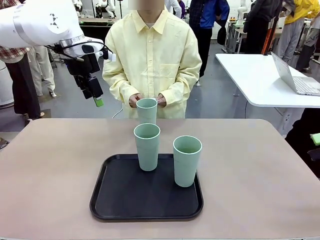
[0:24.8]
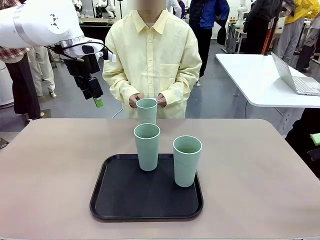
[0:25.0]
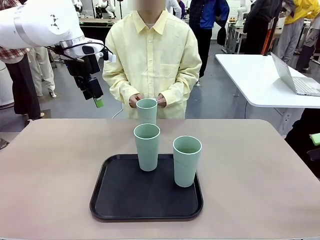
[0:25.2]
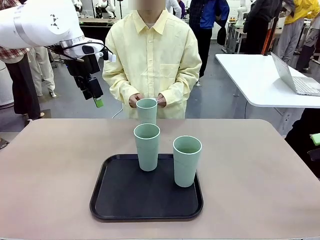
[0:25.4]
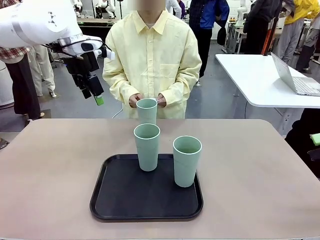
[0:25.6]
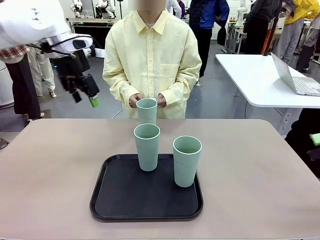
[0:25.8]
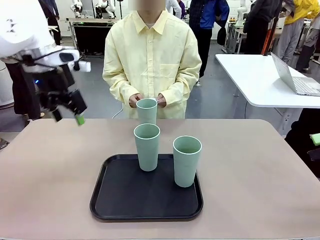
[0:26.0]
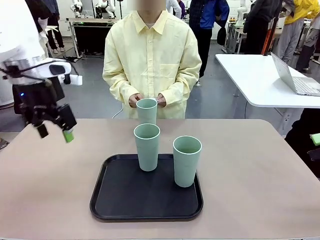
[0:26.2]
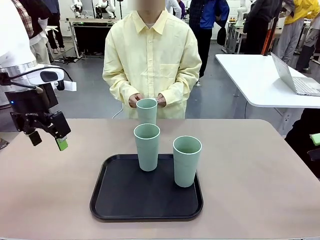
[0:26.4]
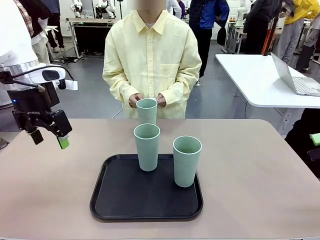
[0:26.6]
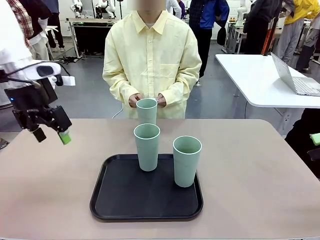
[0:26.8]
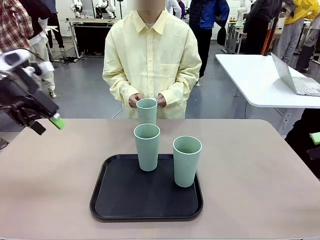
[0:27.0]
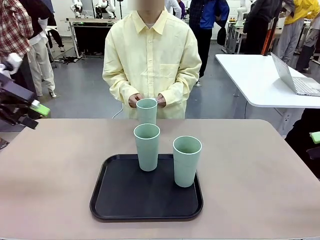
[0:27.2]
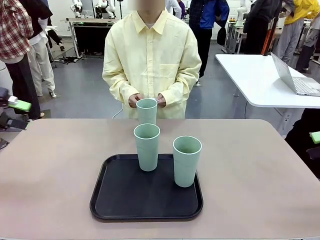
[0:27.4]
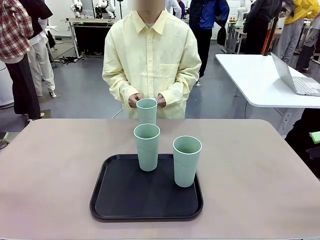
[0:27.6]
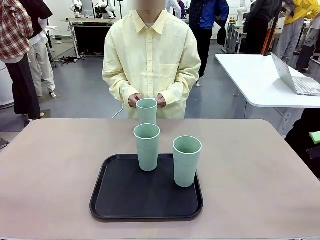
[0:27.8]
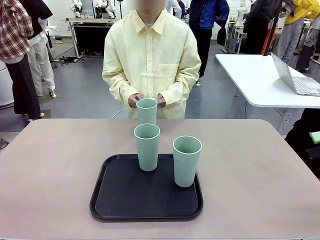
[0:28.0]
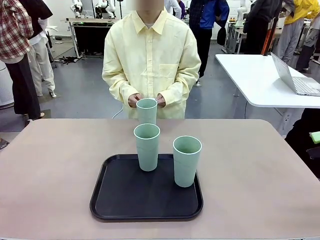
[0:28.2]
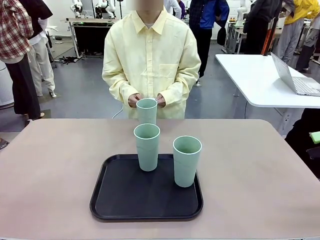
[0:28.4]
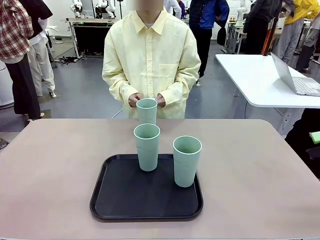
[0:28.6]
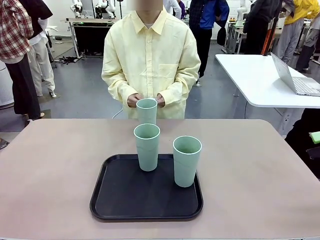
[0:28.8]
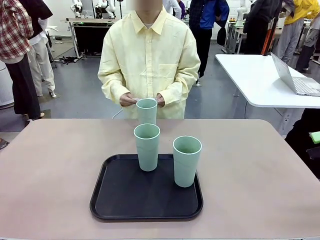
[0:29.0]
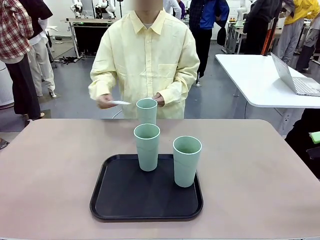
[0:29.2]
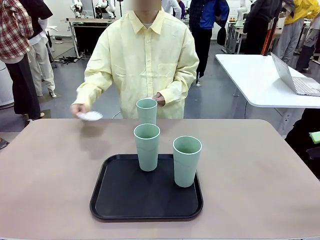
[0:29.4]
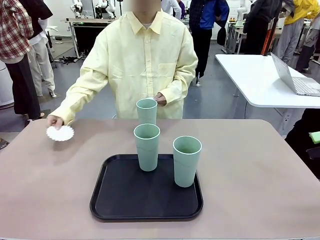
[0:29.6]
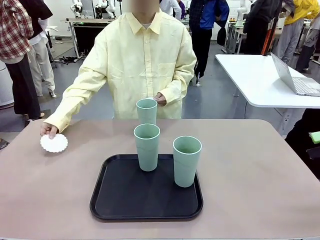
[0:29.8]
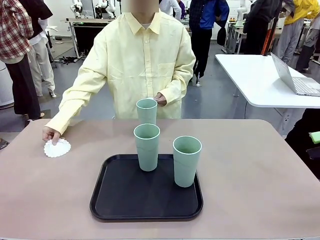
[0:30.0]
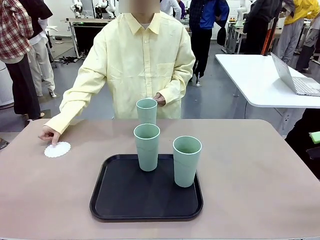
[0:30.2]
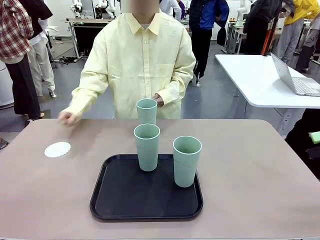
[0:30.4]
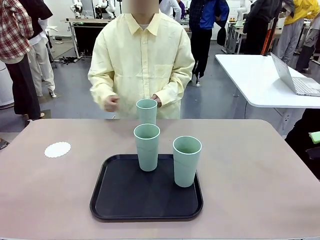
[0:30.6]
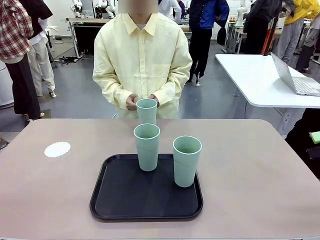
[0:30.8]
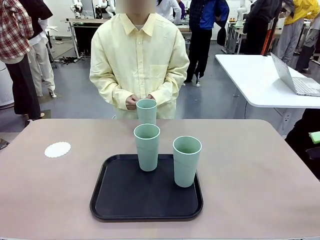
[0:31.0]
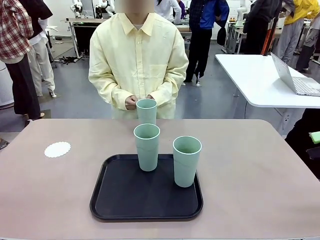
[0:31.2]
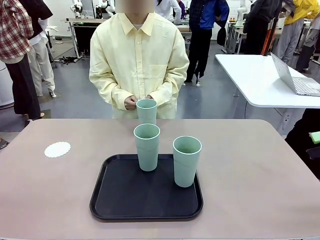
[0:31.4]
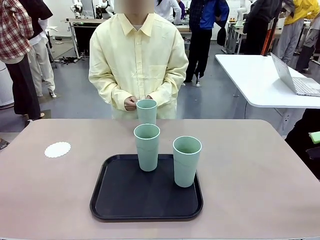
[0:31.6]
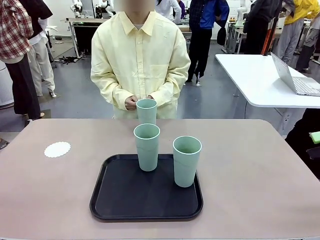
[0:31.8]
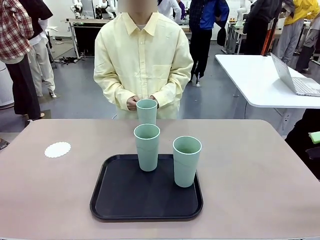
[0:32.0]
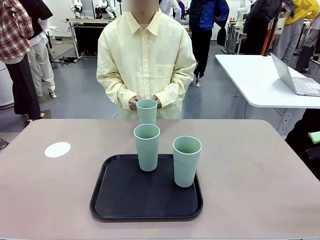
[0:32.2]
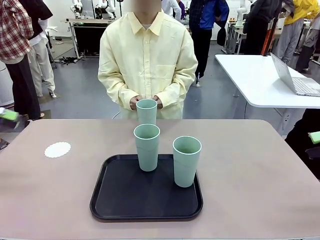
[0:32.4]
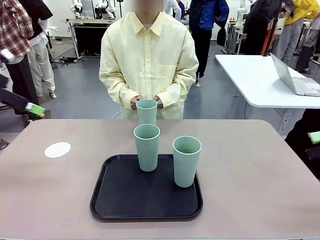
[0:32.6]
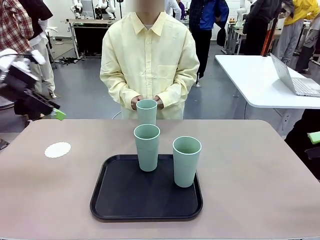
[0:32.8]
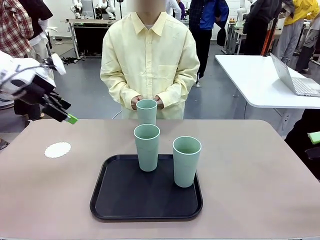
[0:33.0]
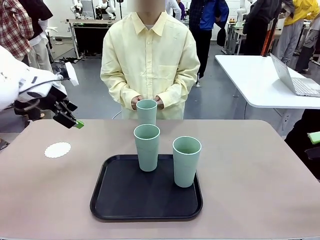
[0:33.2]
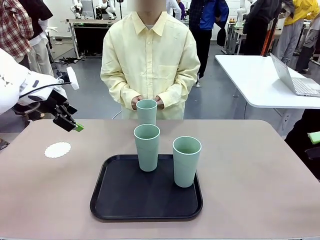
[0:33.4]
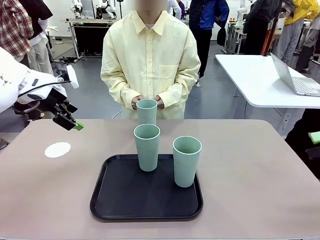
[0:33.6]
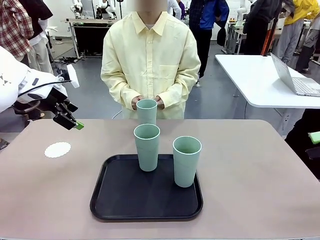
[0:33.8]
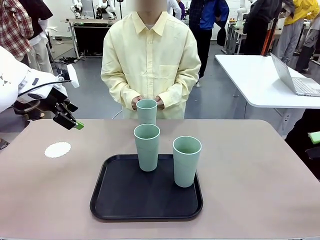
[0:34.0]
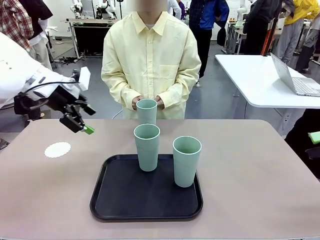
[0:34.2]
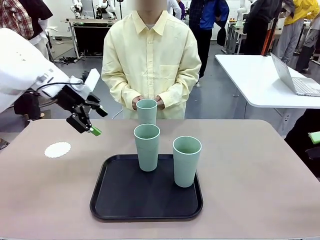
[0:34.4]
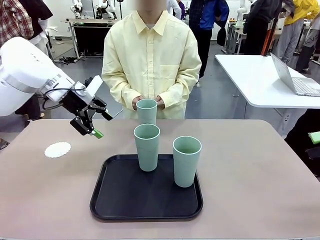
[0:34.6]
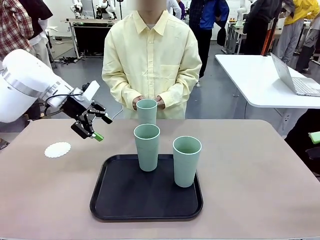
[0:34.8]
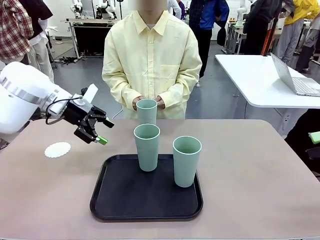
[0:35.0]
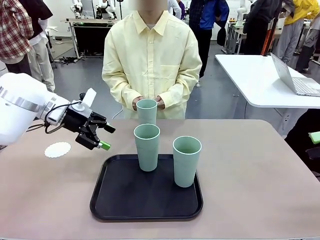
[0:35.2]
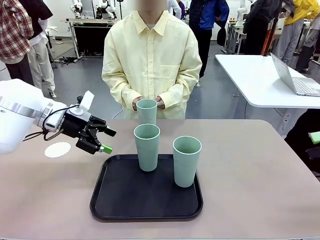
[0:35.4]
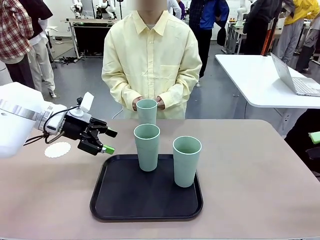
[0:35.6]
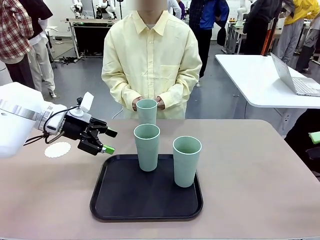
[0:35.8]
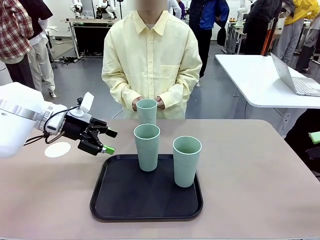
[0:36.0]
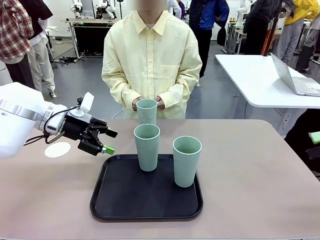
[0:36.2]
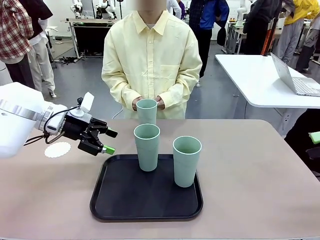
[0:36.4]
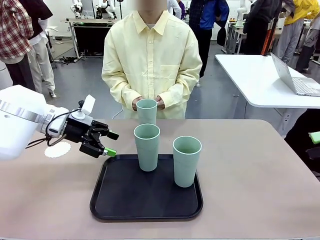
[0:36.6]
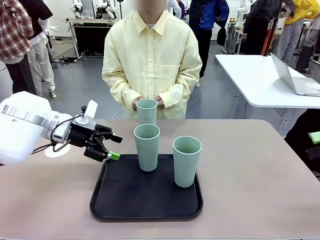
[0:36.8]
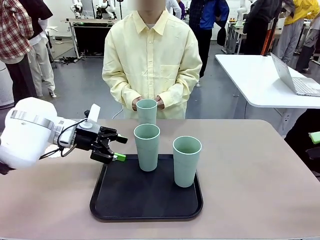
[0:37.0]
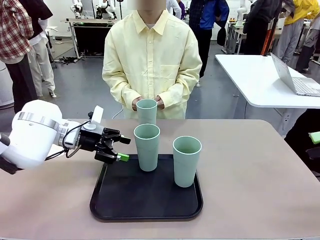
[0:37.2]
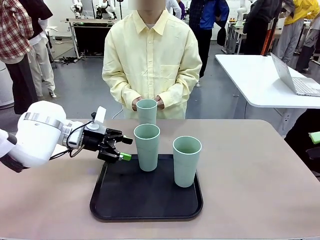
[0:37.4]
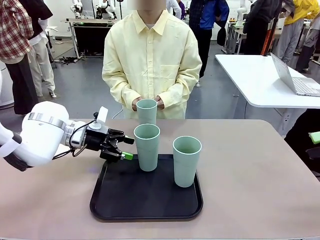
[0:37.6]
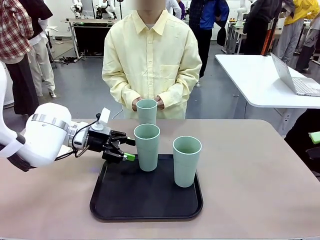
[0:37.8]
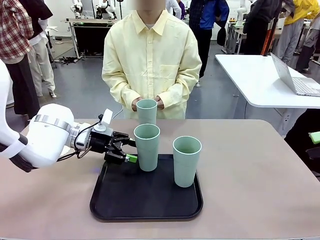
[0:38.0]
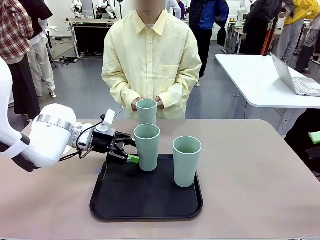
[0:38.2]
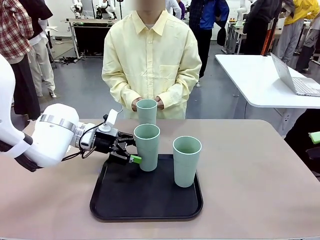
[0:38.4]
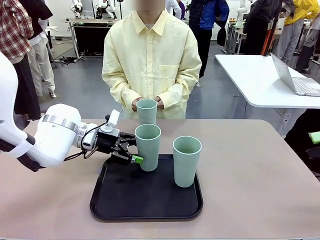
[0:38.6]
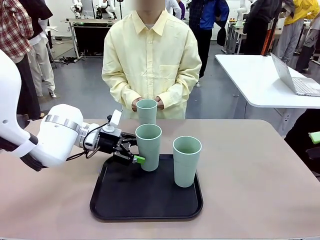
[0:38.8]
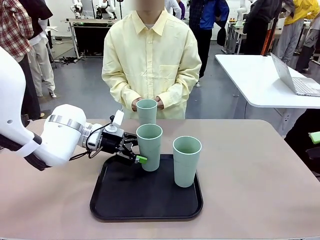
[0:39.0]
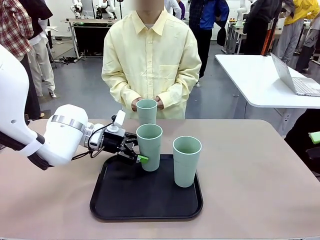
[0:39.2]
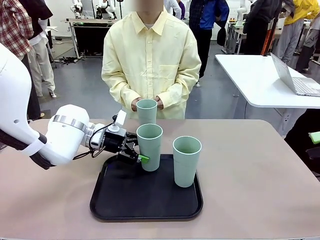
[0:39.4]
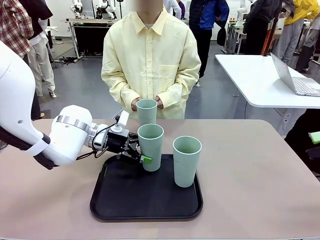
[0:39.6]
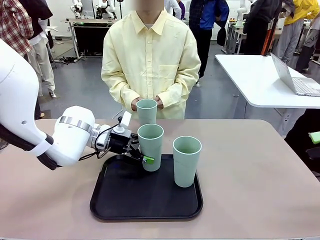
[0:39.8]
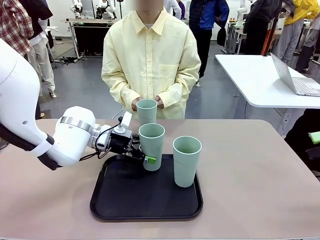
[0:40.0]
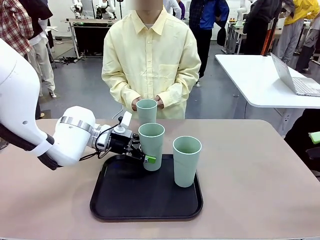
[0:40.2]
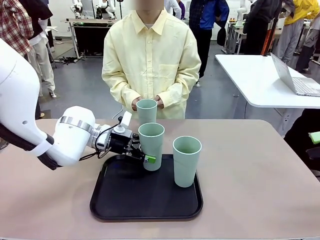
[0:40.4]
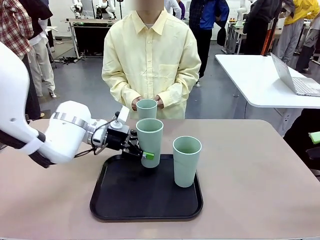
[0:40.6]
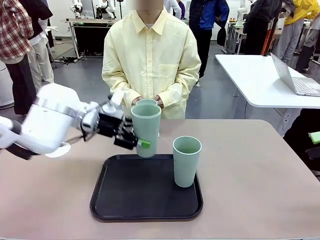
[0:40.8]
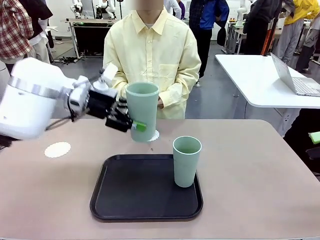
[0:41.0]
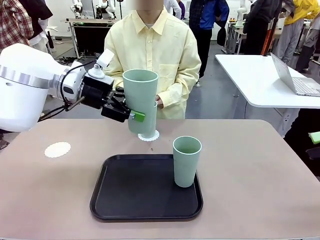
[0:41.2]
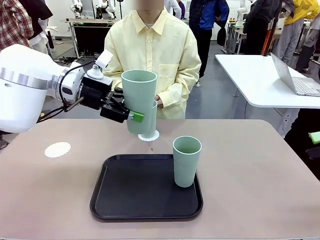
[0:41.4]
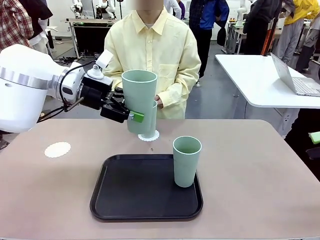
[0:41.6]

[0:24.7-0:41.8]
Task: Place coasters on the table and set cups on them.
Robot: Take one Reusable plastic cup from the Flat Tray and place it on a coaster set by the human.
